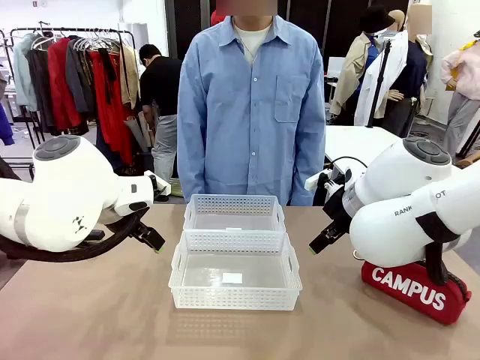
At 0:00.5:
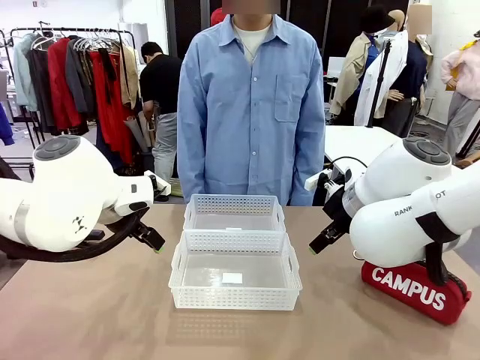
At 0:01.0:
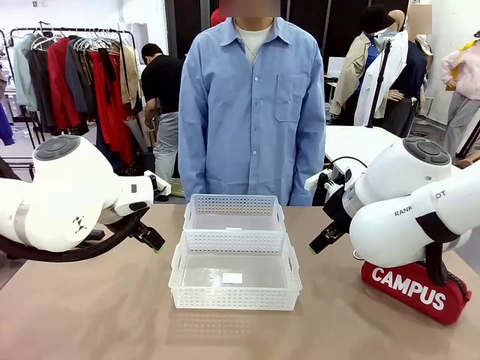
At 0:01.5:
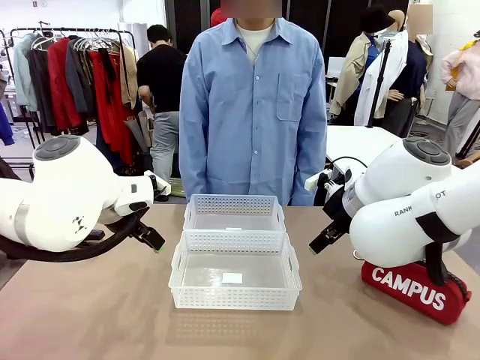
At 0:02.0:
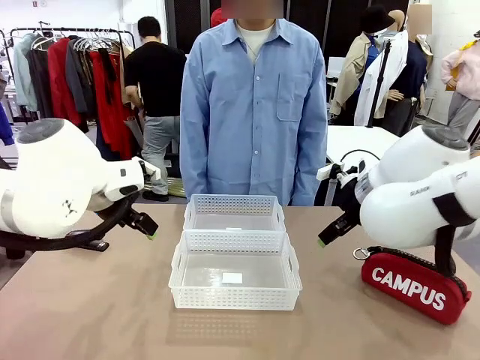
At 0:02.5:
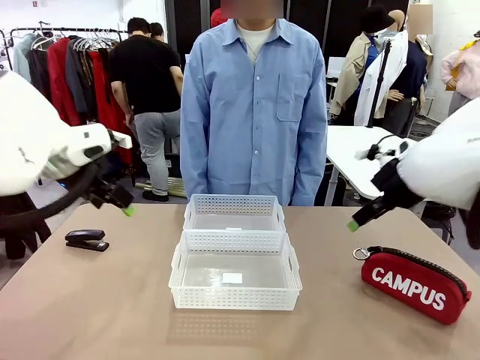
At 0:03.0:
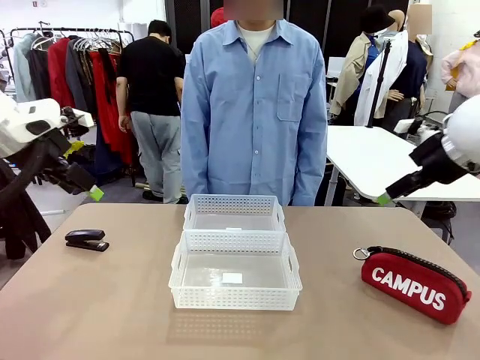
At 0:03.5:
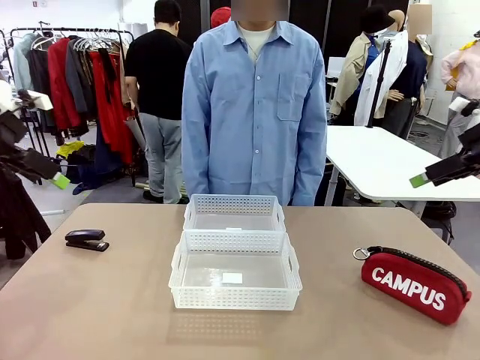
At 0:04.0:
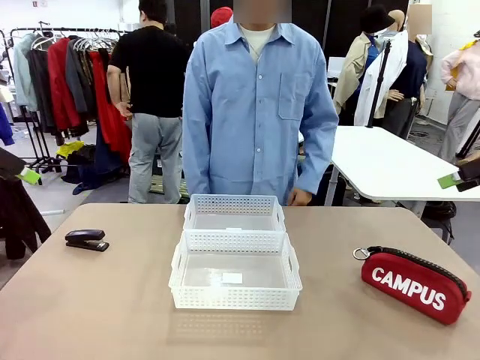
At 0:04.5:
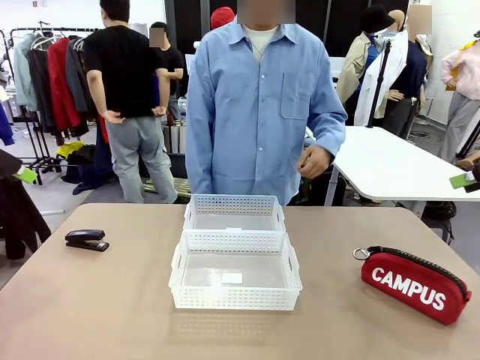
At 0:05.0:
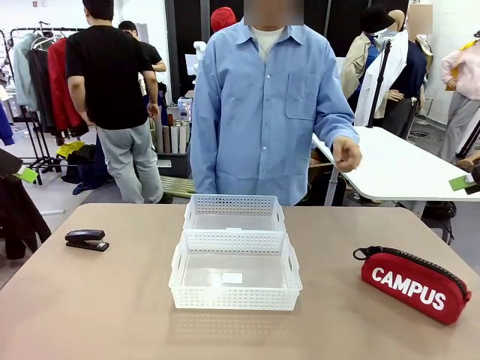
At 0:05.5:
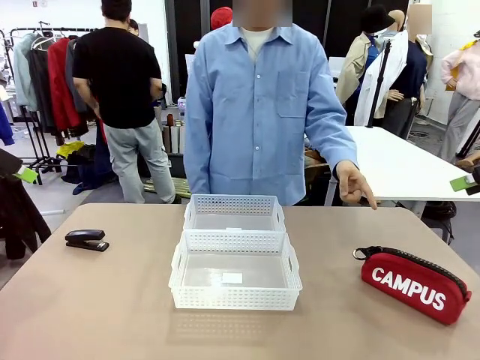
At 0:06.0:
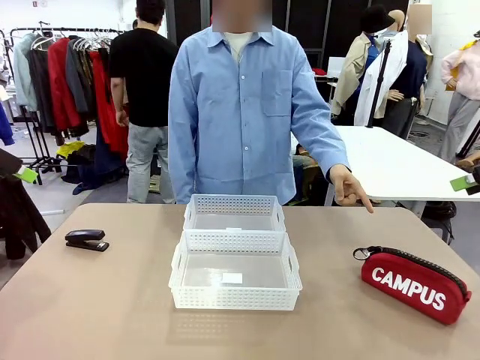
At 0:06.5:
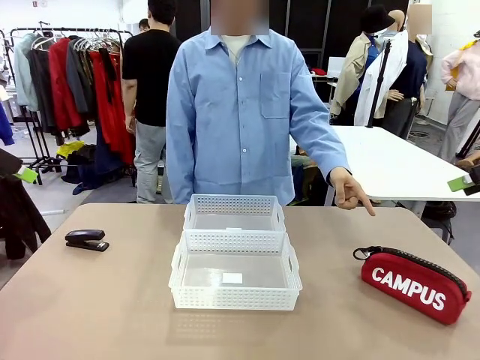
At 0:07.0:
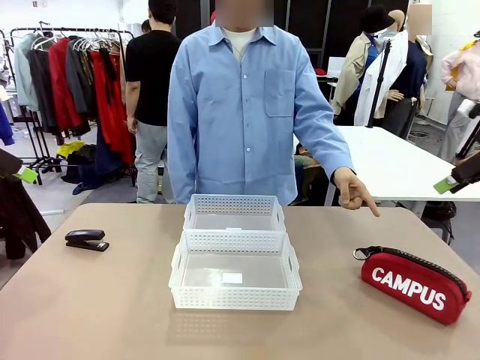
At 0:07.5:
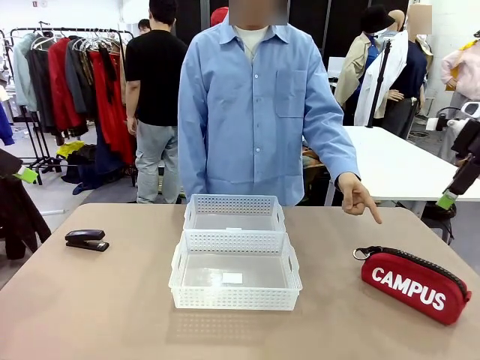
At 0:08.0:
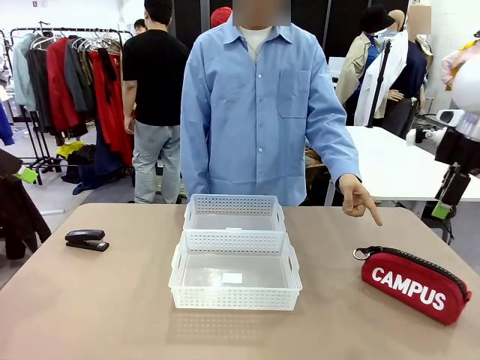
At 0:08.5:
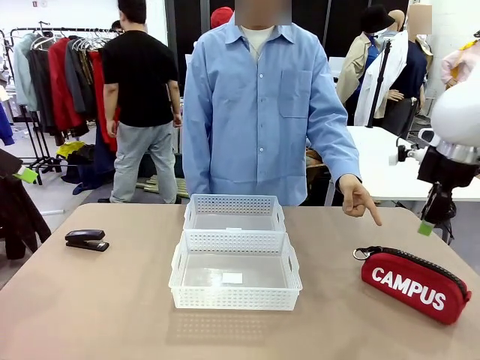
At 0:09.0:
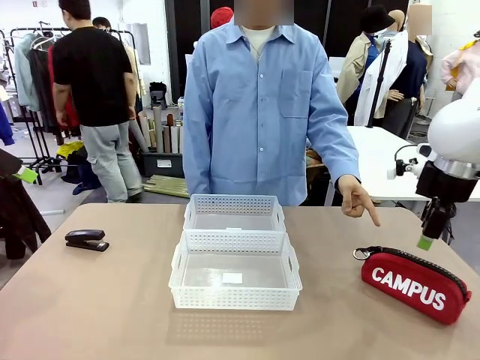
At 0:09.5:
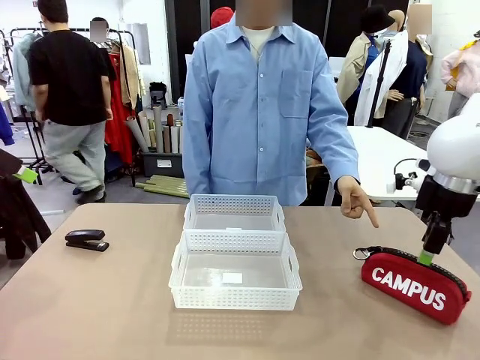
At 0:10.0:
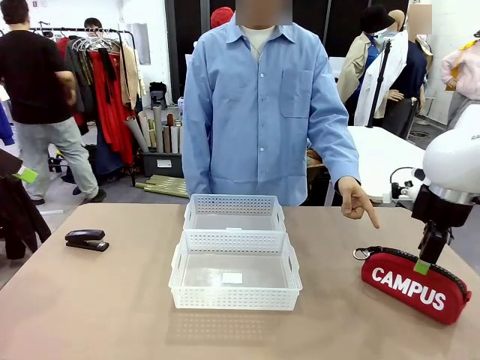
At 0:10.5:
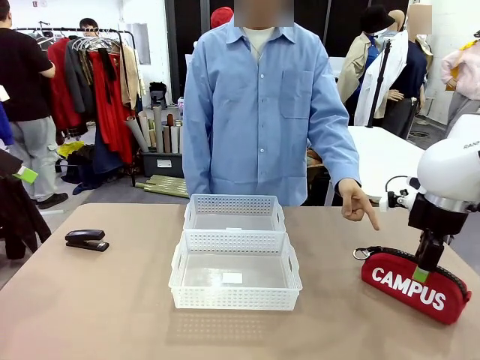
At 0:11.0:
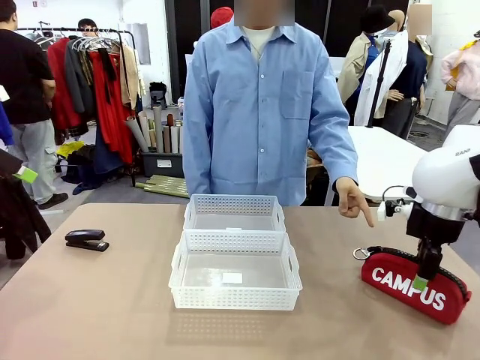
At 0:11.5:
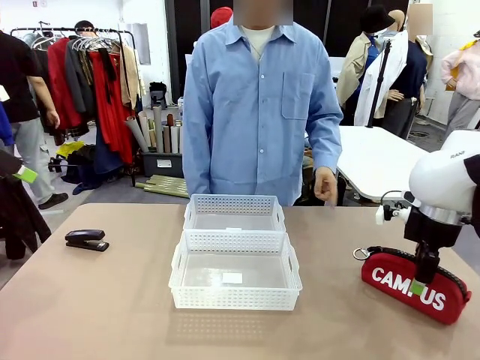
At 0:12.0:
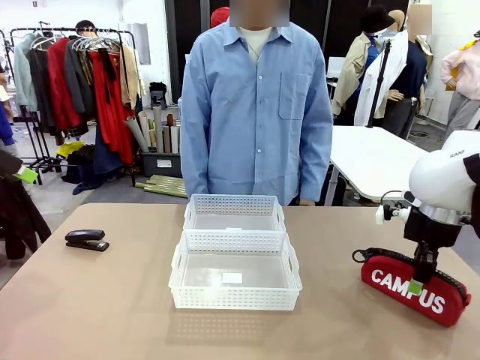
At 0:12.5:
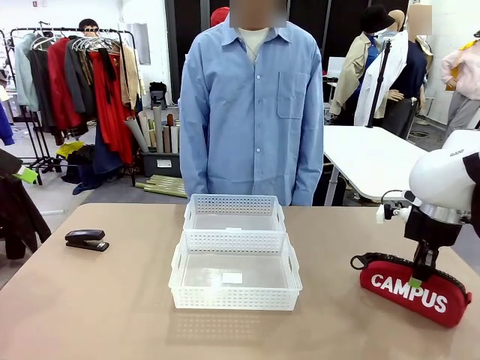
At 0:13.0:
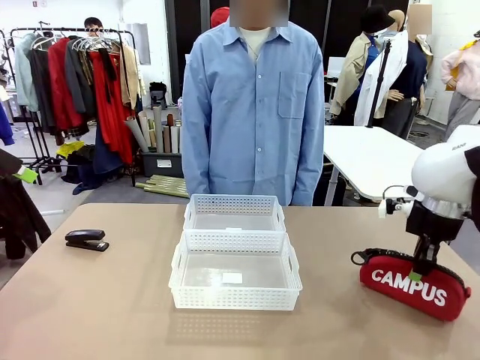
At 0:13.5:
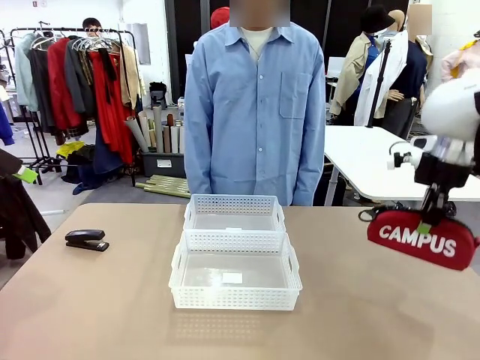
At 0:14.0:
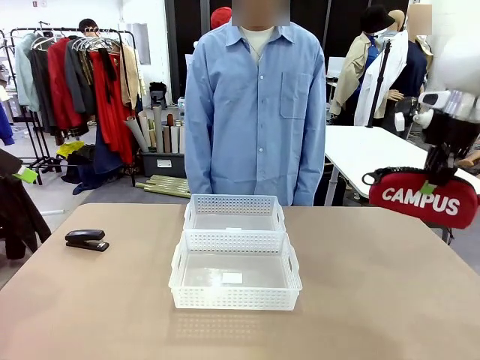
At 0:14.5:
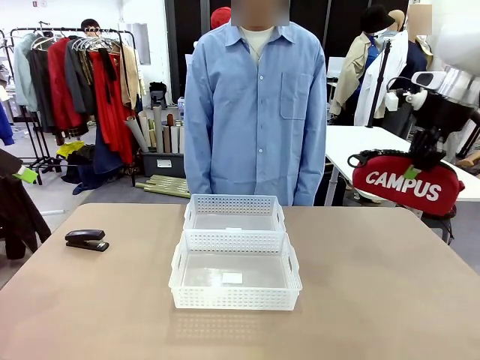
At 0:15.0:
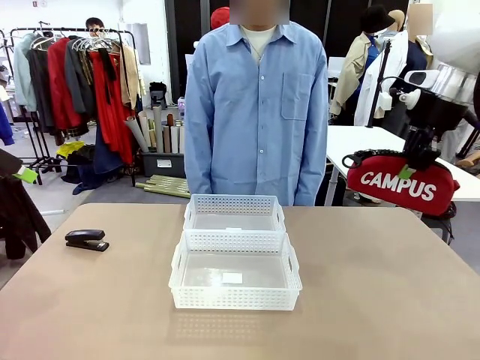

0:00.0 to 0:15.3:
Task: Distribute items into two baskets.
Robot: Pick up the Pencil pouch that the person points to.
Person: Points to the pencil case. Points between the two organizing baskets and instructs the robot to move the pencil case.

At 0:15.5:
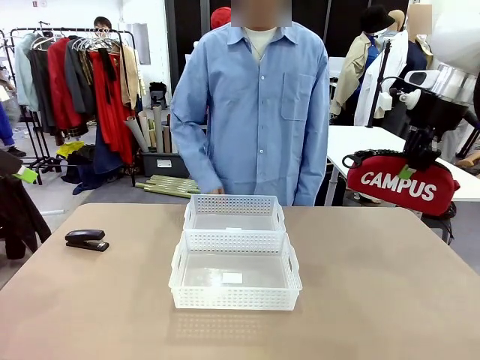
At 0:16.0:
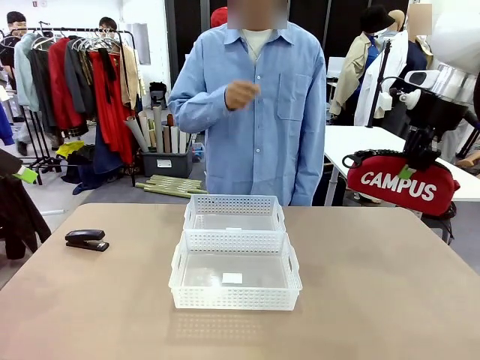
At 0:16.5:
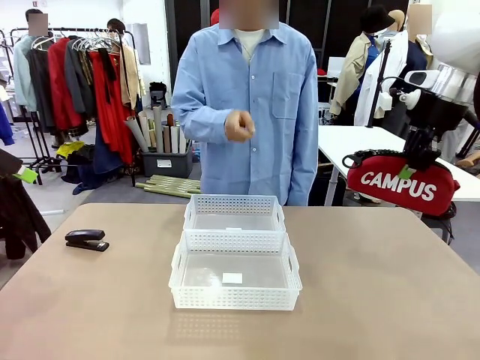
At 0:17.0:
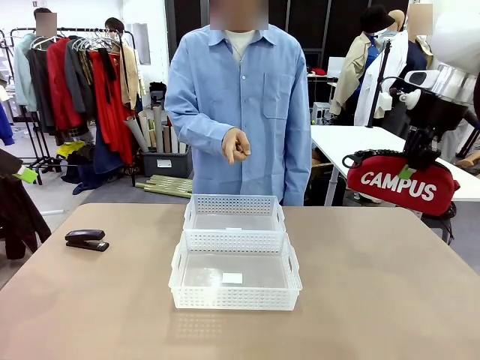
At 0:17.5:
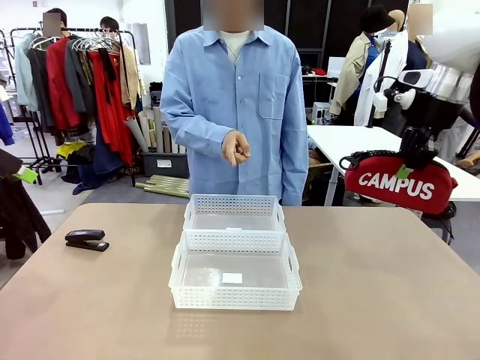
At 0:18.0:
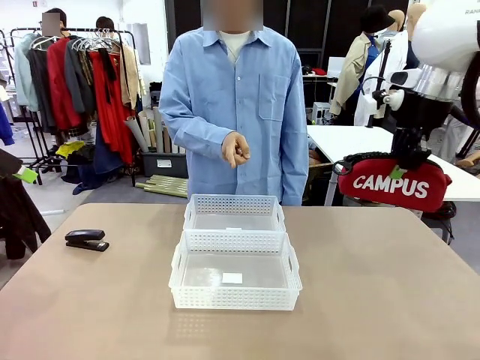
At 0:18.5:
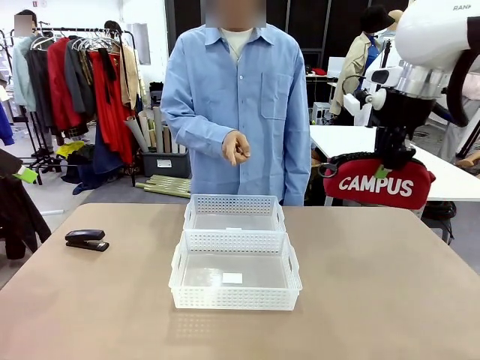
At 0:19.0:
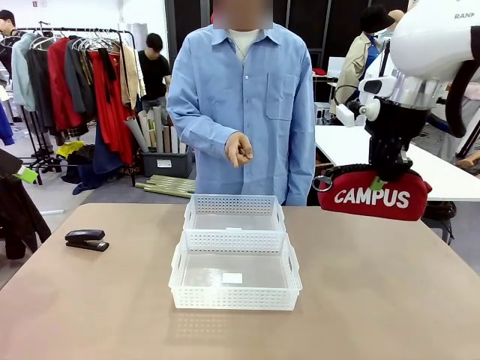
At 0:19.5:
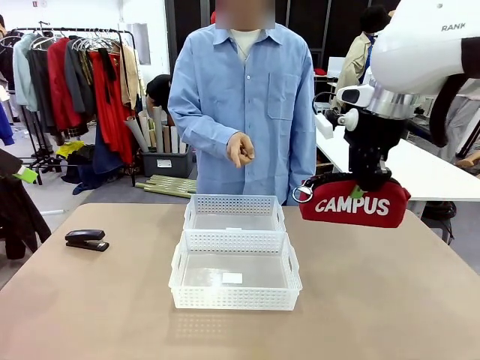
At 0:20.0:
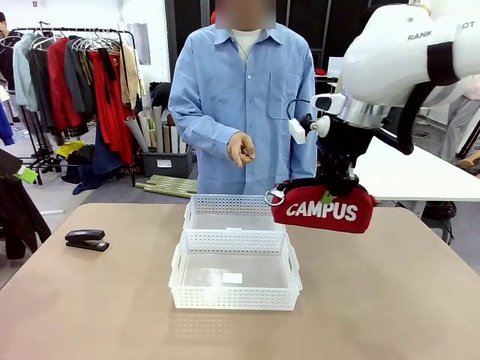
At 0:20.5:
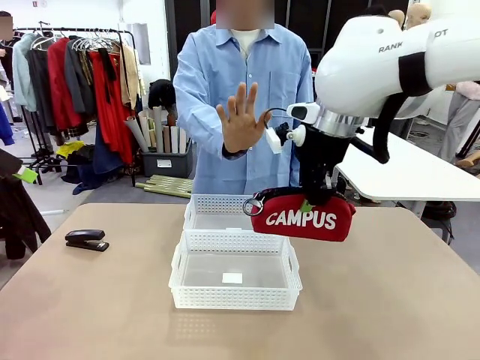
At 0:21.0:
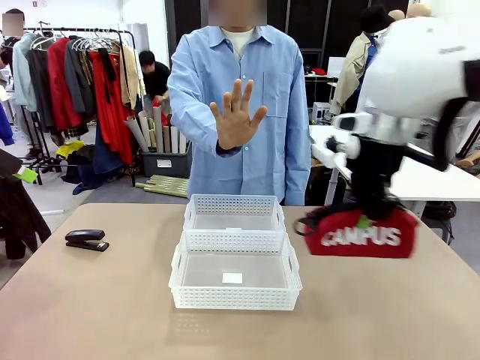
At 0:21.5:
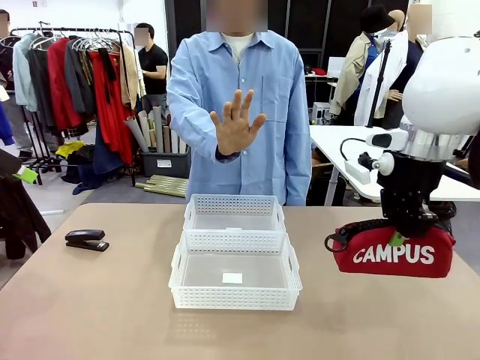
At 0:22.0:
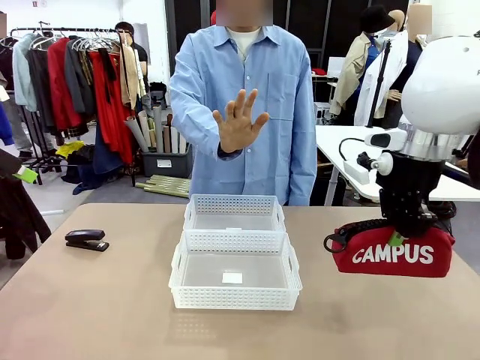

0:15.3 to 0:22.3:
Robot: Move the picked Pencil pouch towards the Organizing basket indicated by the person, stopping as directed.
Person: Sends a stop gesture before the robot places the pencil case into the basket.

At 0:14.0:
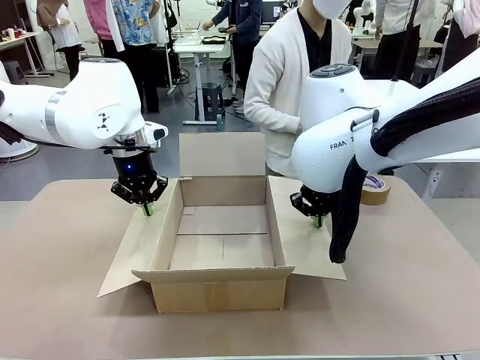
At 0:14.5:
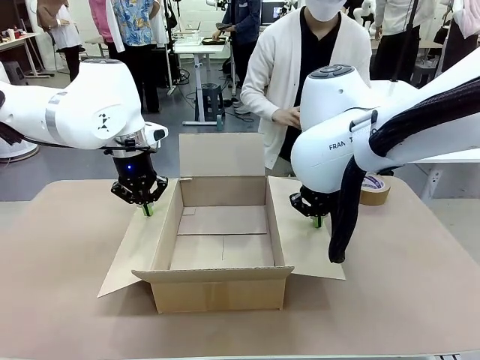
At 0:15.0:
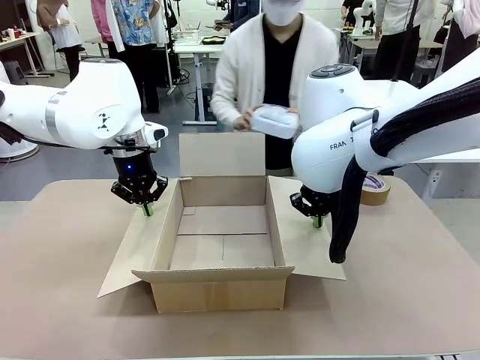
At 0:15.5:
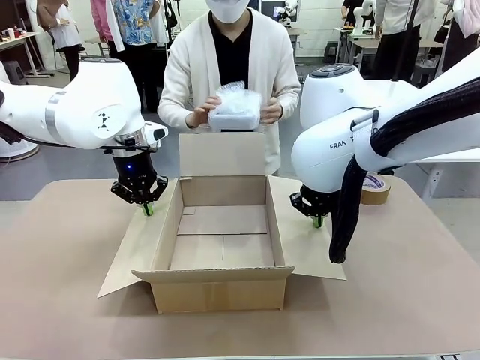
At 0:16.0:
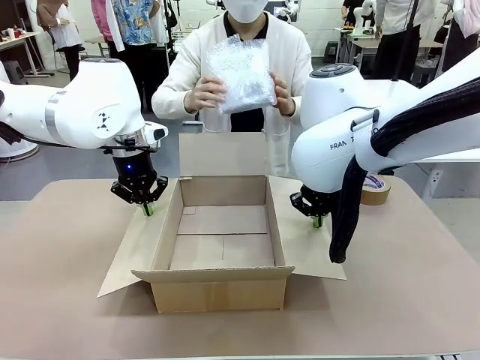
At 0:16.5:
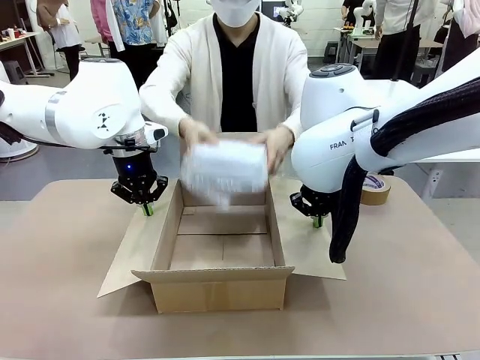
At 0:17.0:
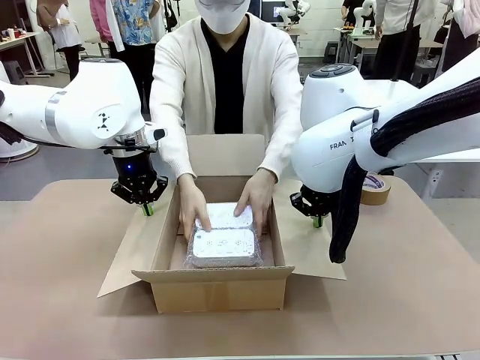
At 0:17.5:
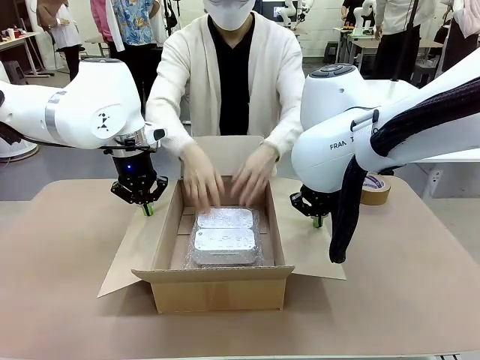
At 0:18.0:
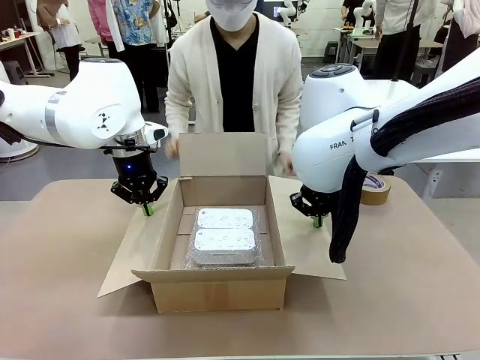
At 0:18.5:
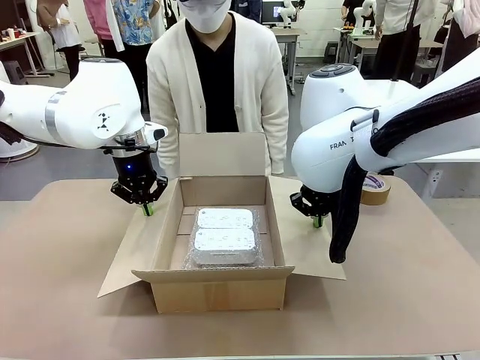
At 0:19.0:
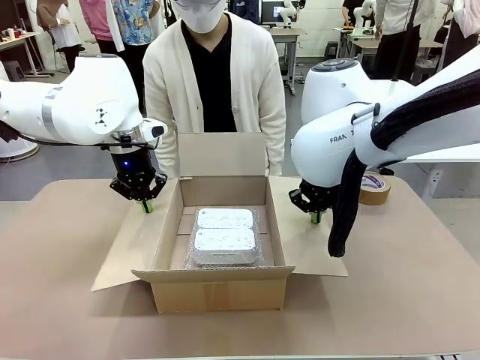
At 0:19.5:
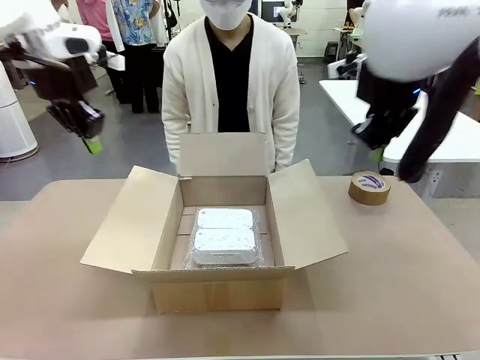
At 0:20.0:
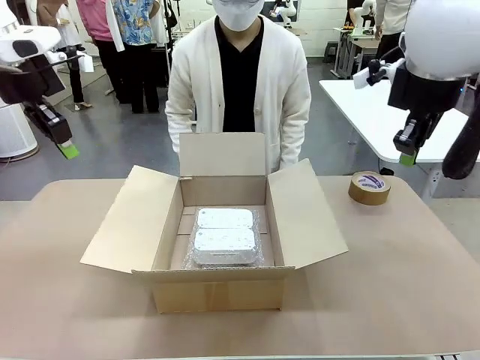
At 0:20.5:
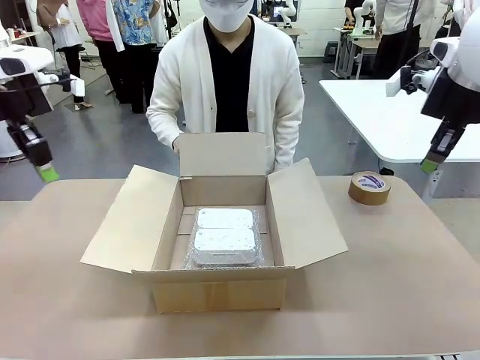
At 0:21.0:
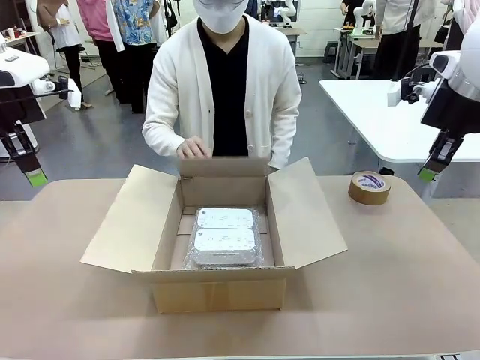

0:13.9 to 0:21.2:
Task: Wrap the clocks to prevent damage.
Robot: Once the human has placed the objects inside and stepped back, release both hands from the side flaps of the Package Box.
Person: Place the wrapped Digital clocks inside the Package Box.
